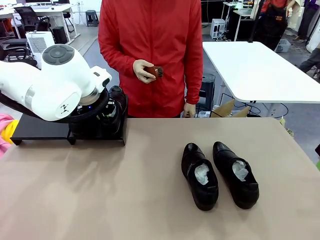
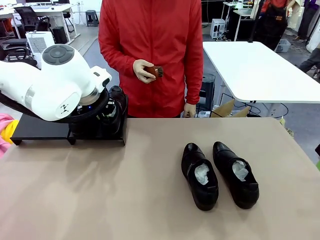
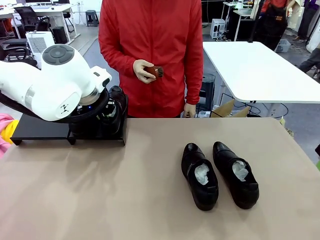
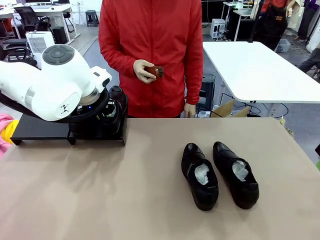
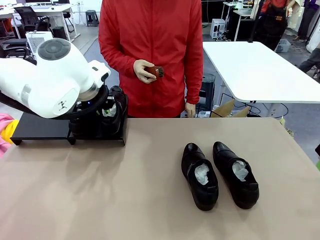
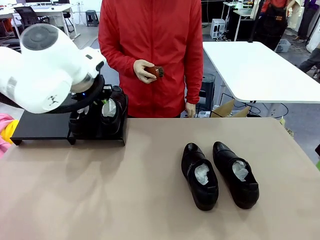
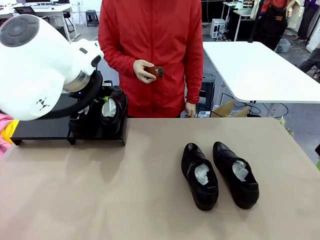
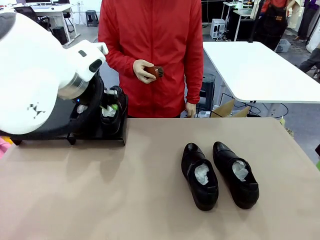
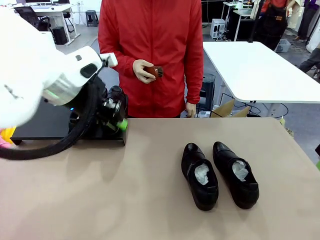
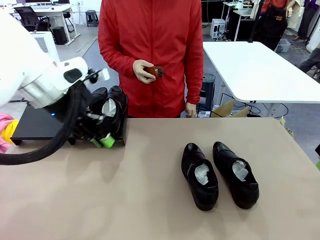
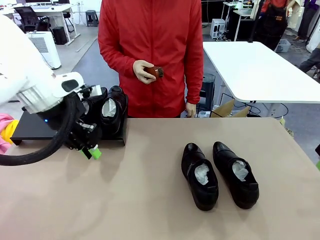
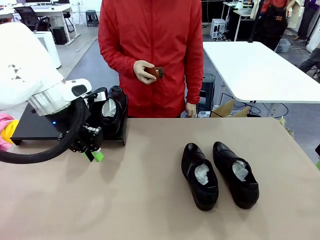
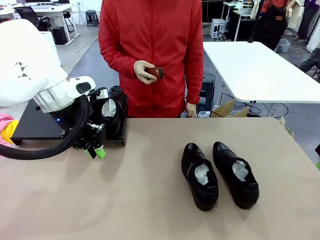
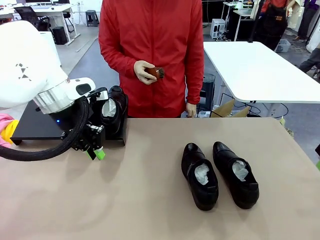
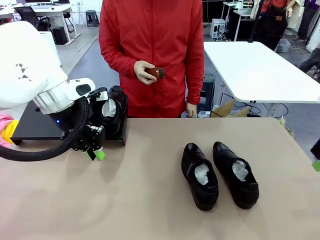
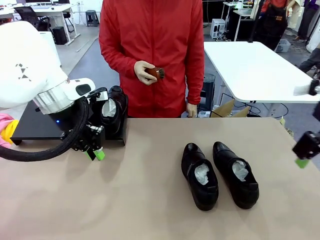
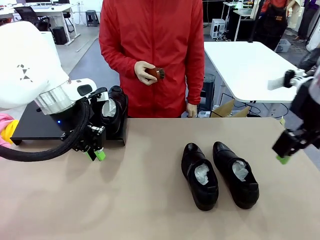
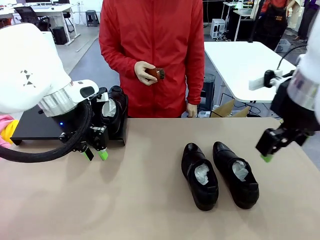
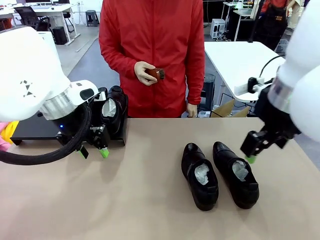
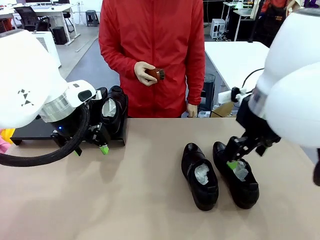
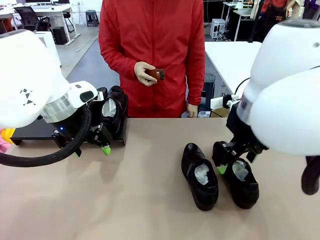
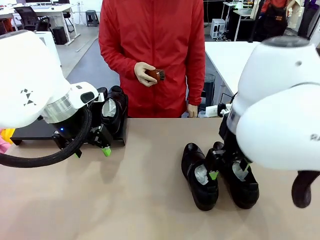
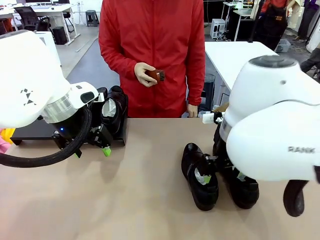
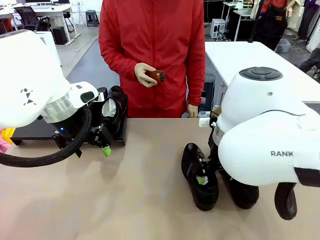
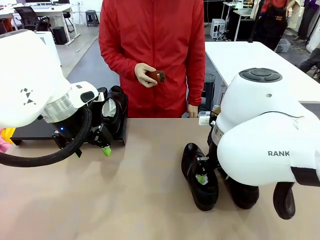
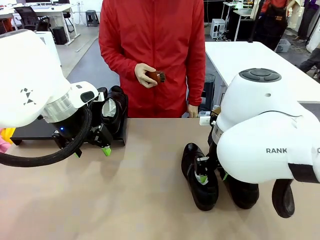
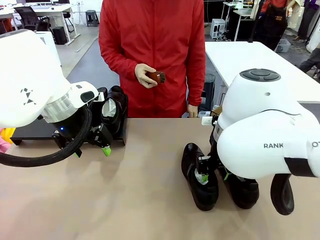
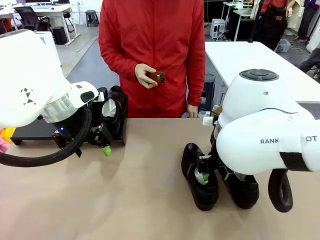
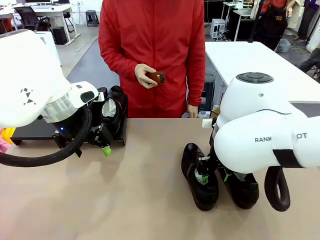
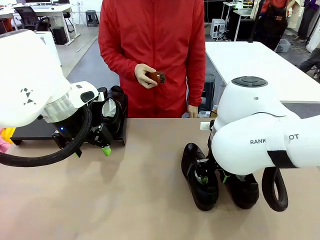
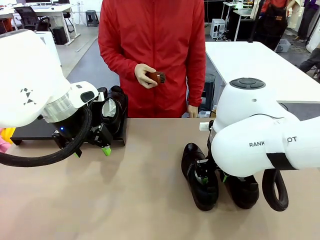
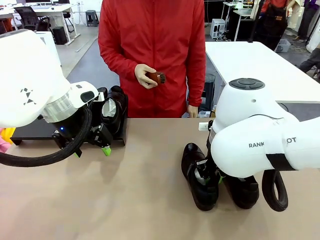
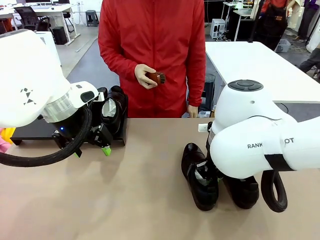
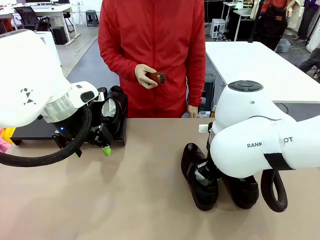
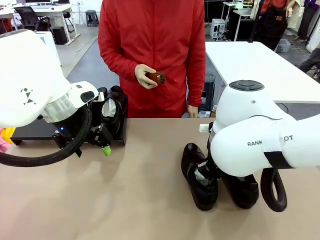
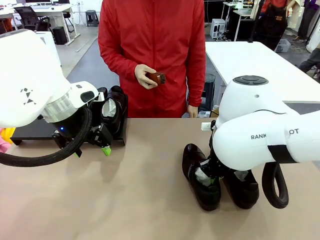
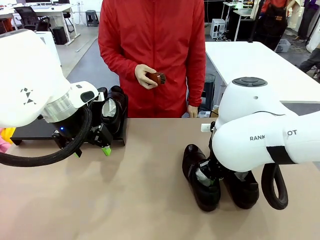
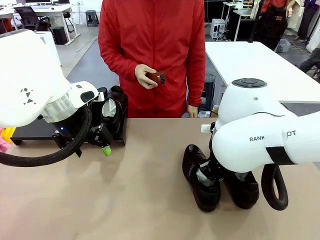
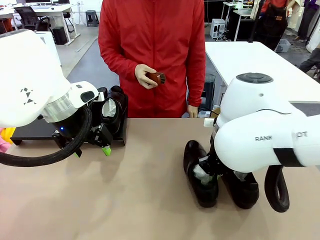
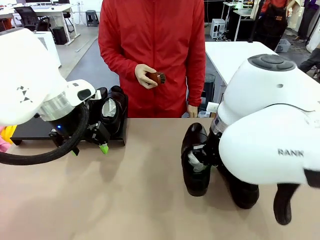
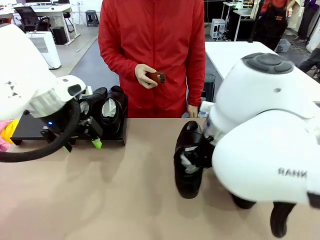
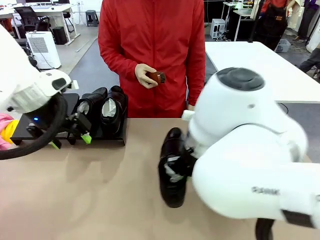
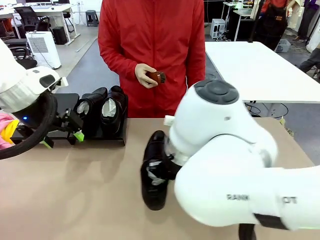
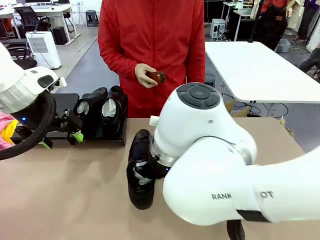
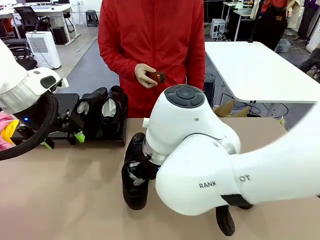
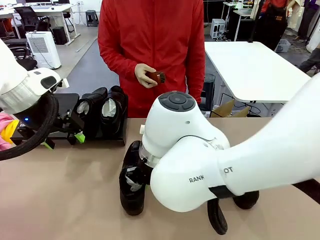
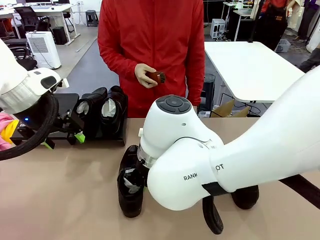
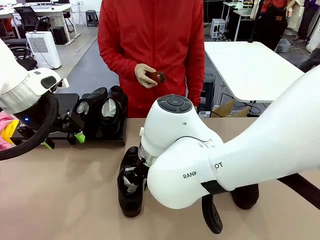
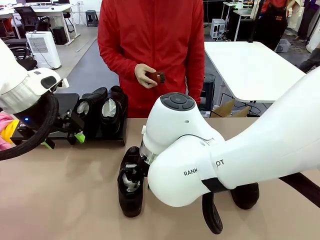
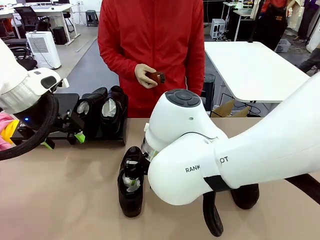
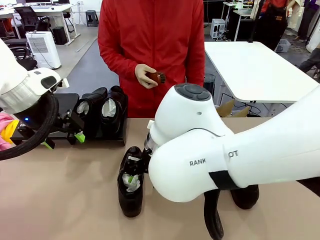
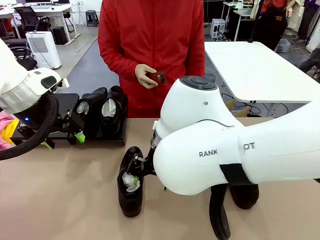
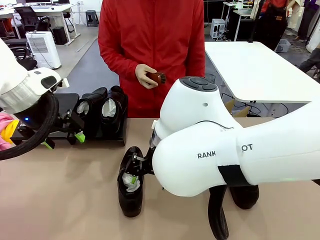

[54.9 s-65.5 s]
Task: Organize the shoes by placing them on the stand.
Robot: Pick up one Shoe and place it in the middle of the table.

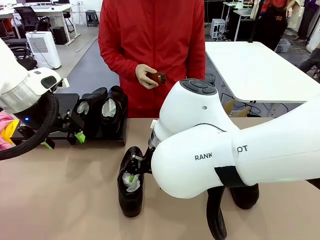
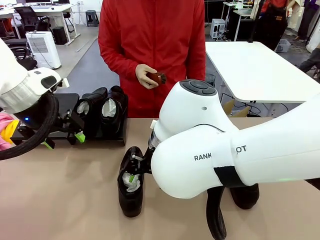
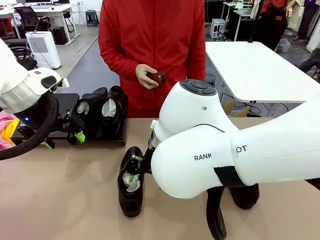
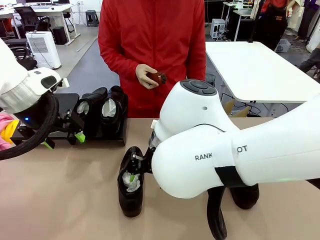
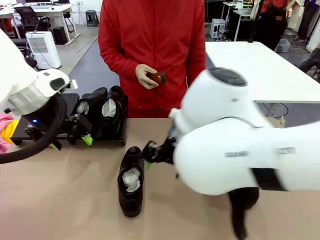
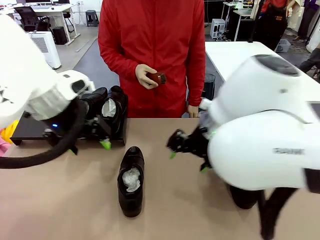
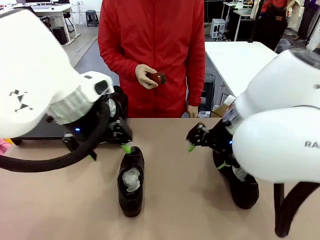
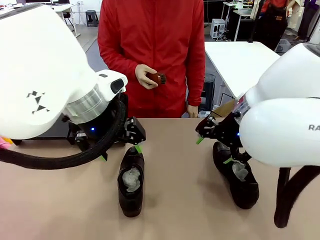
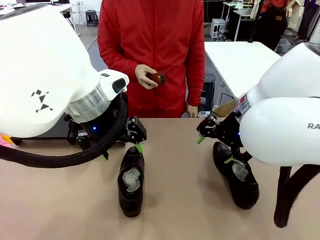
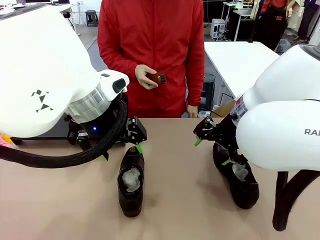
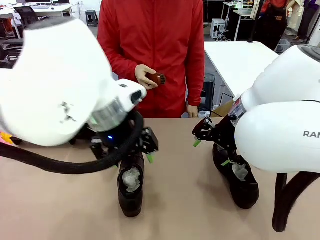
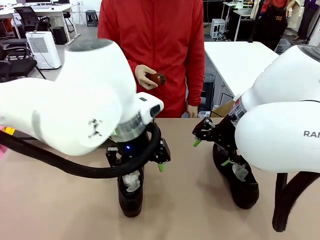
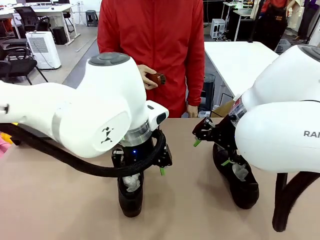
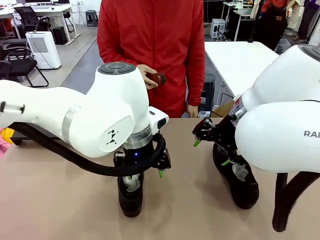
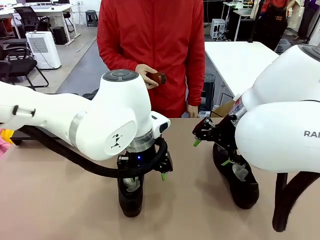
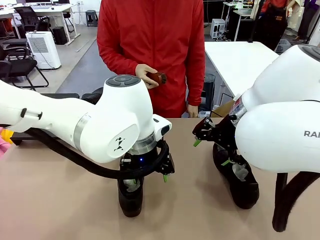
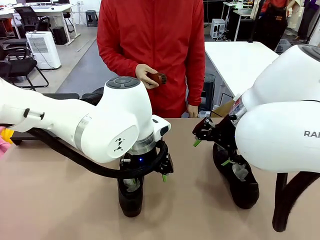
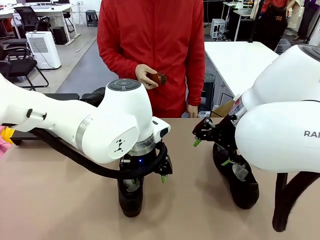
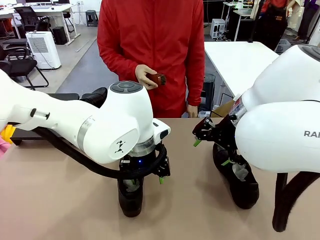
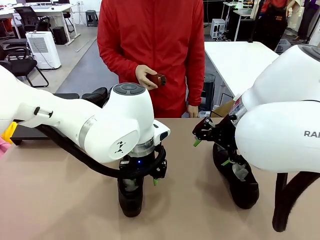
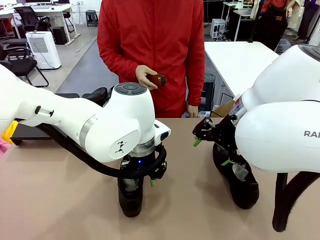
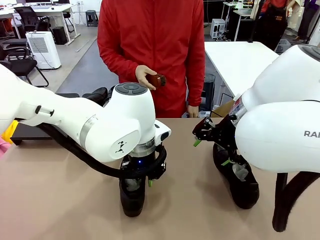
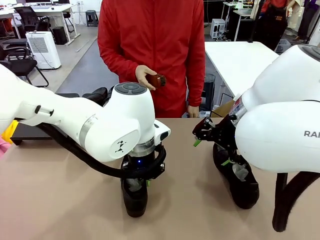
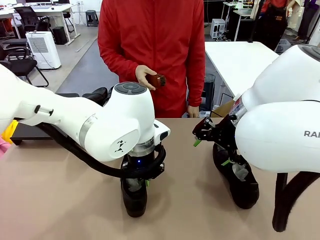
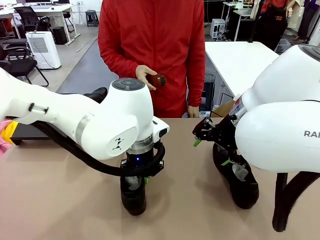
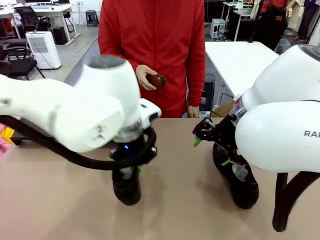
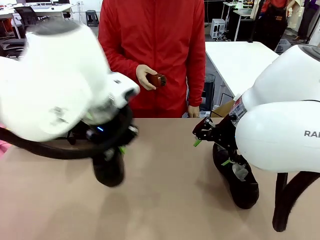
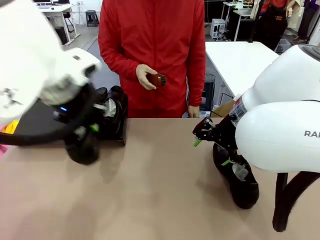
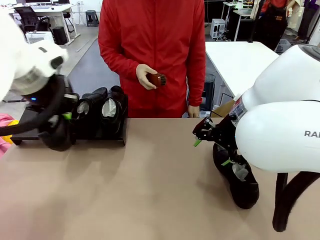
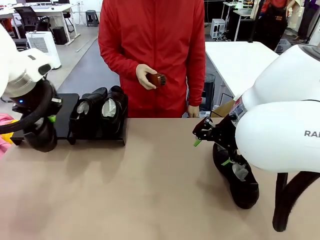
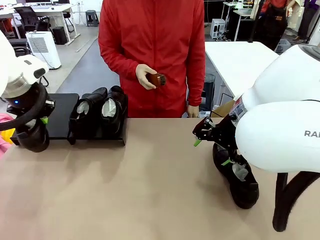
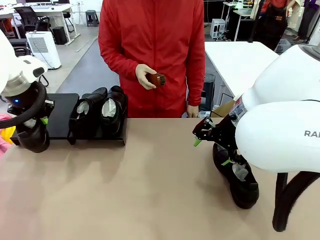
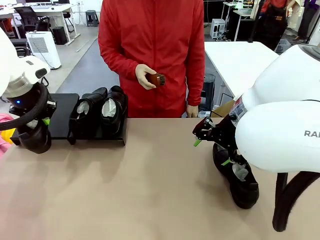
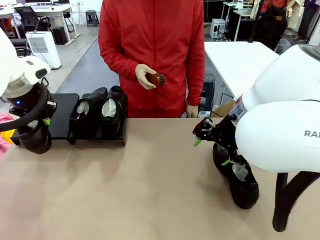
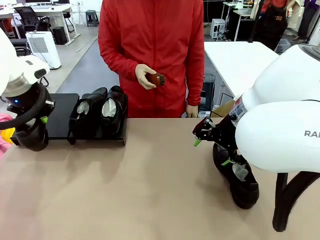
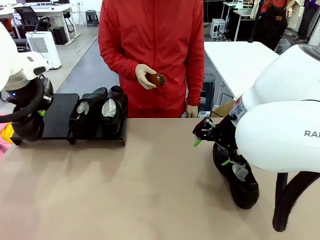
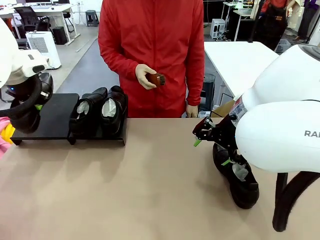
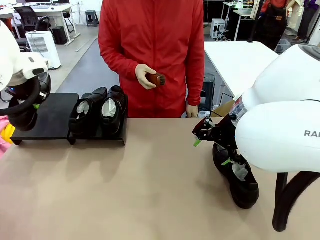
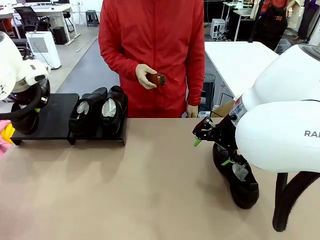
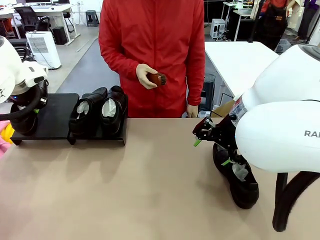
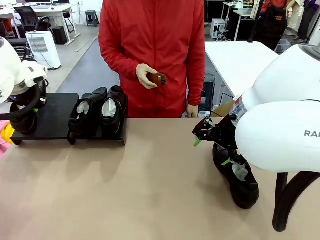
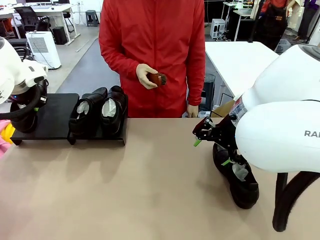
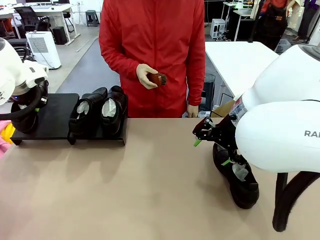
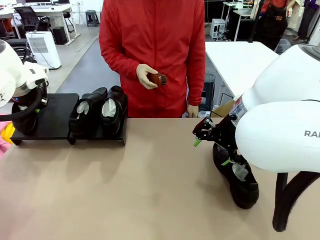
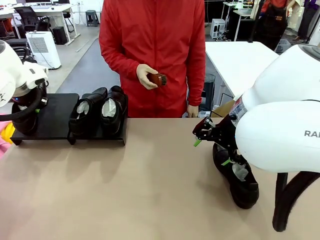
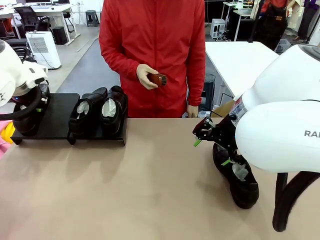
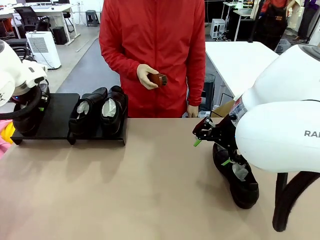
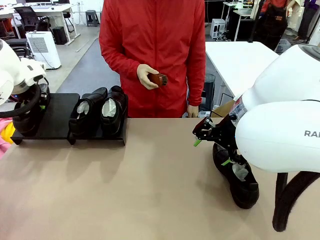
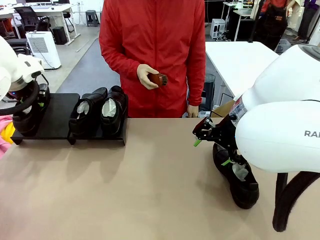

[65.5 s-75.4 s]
Robot: Place the Shoe from the middle of the table onto the Shoes Stand.
